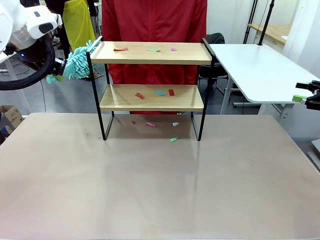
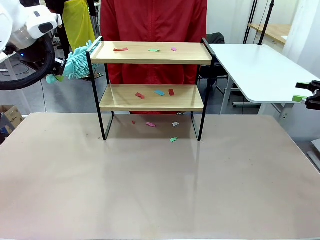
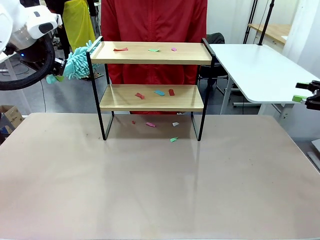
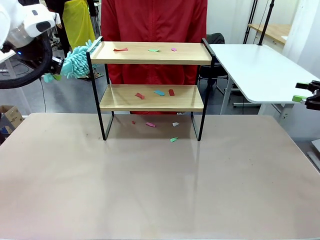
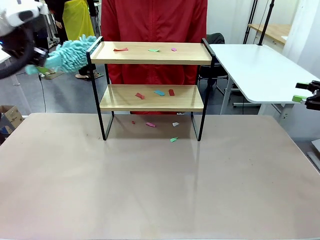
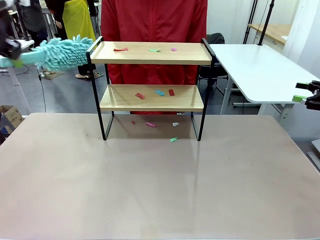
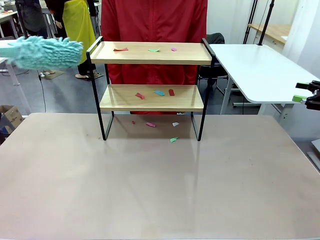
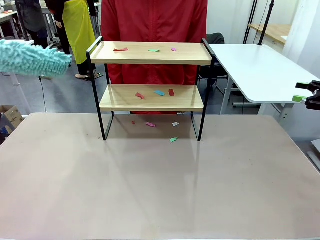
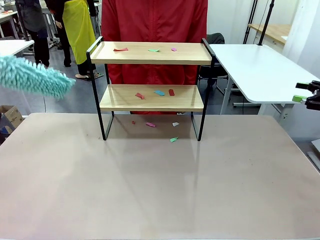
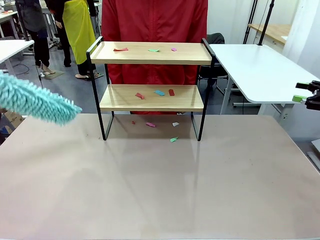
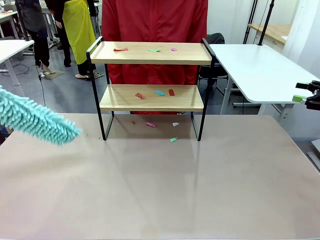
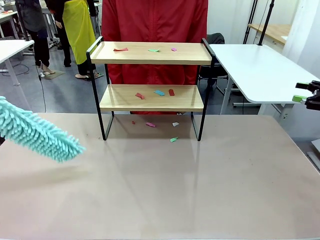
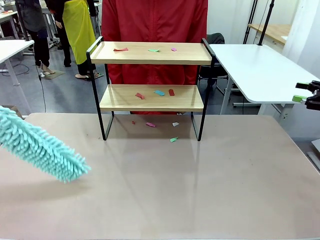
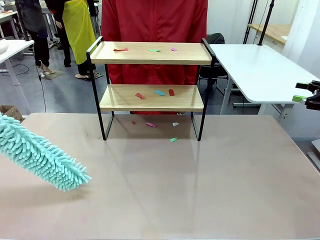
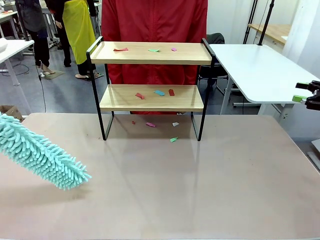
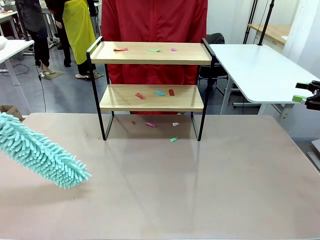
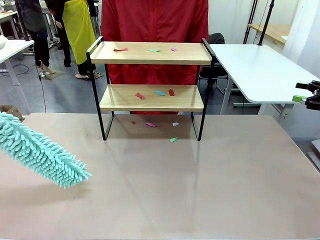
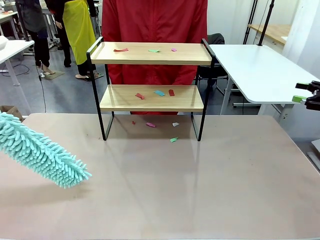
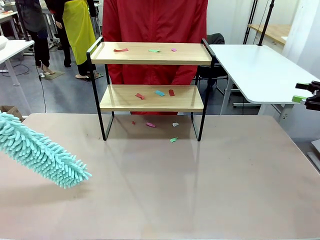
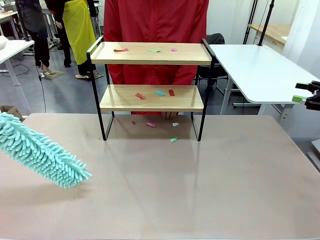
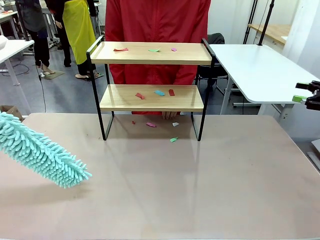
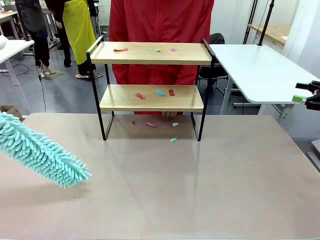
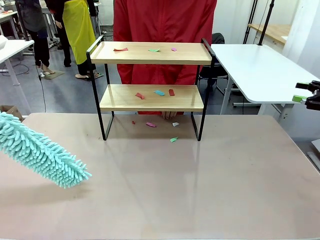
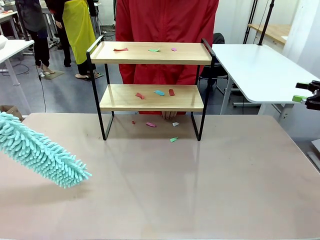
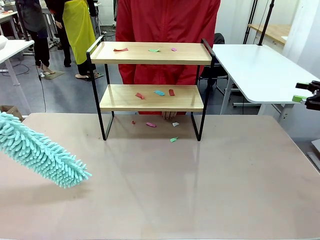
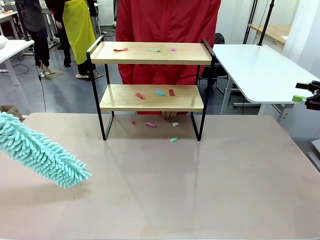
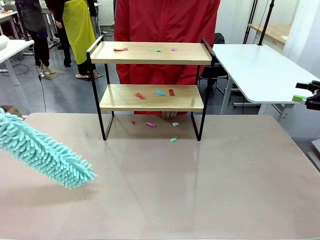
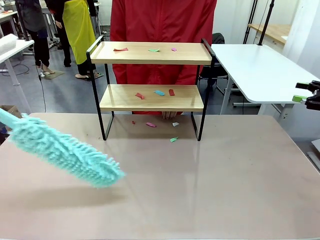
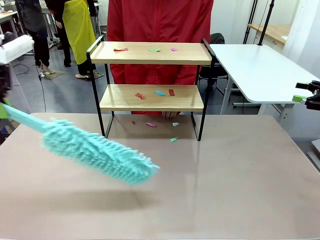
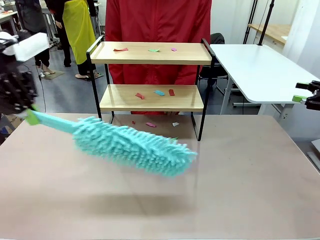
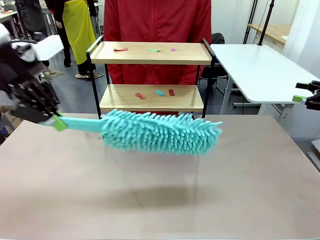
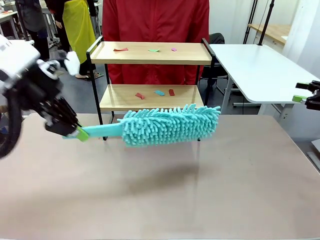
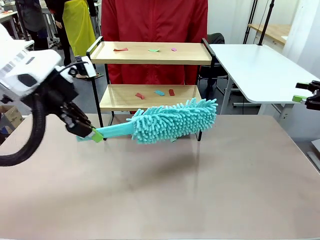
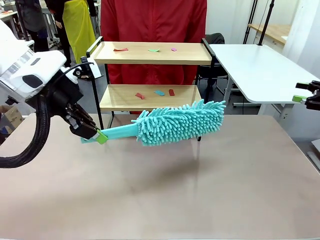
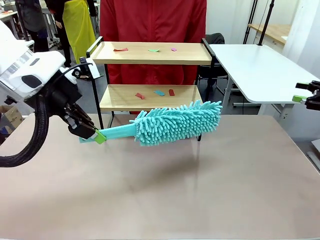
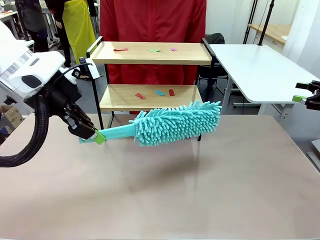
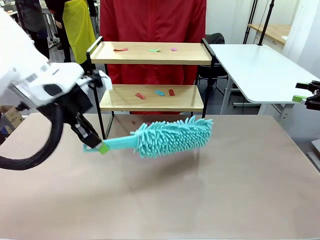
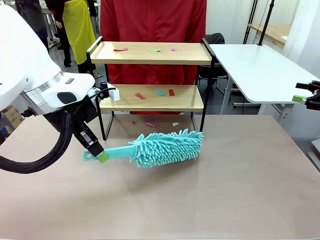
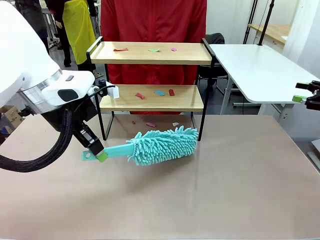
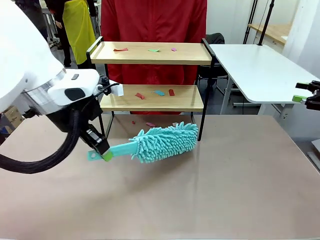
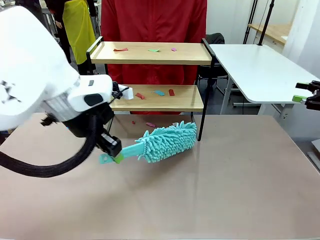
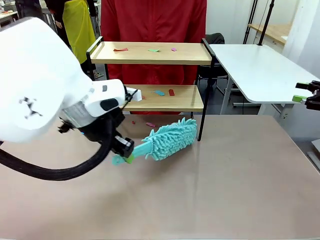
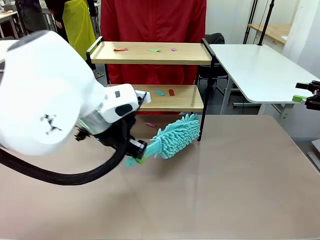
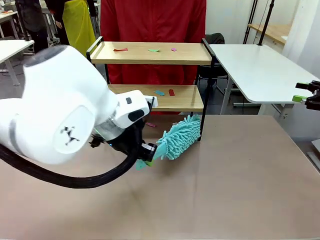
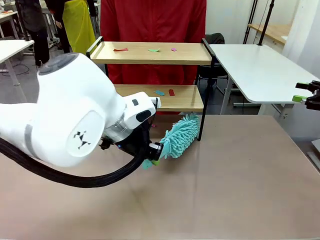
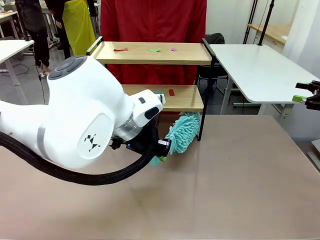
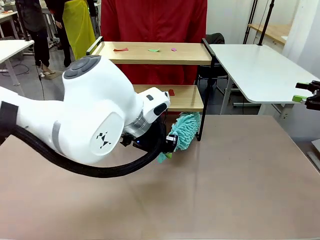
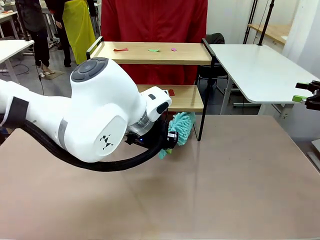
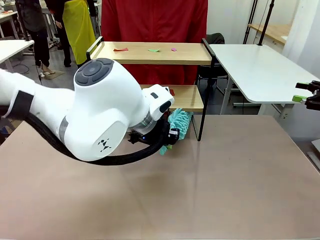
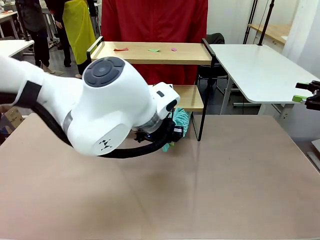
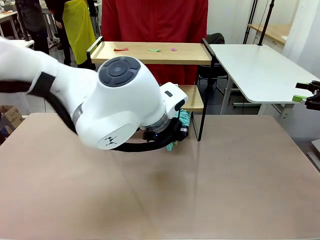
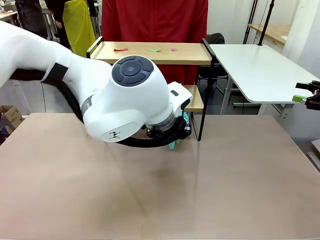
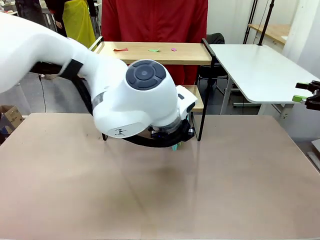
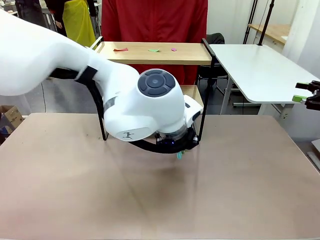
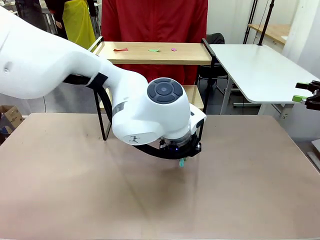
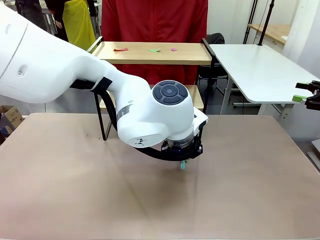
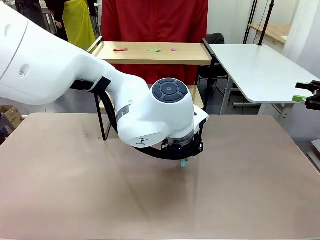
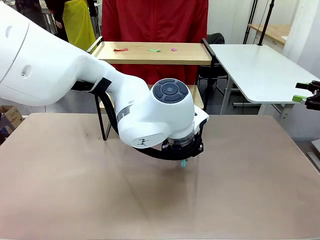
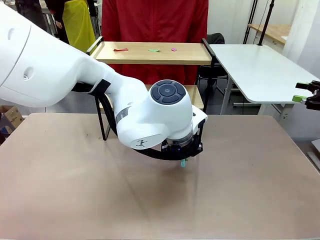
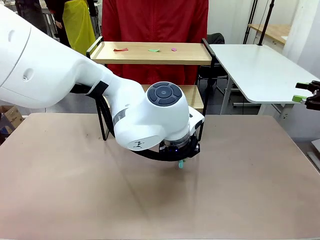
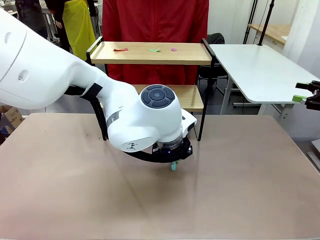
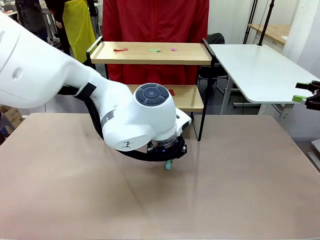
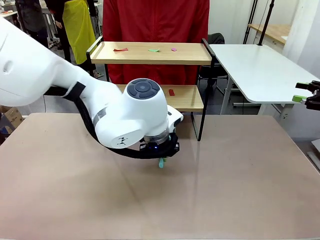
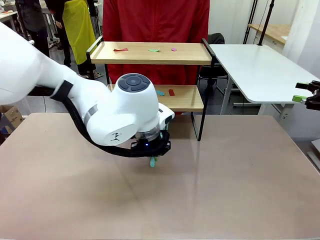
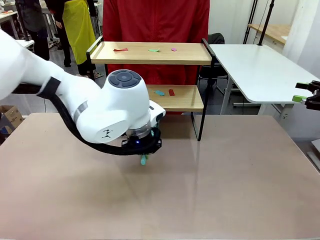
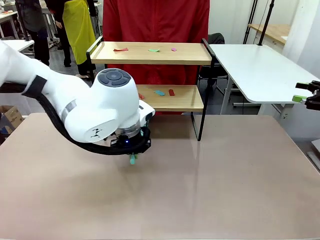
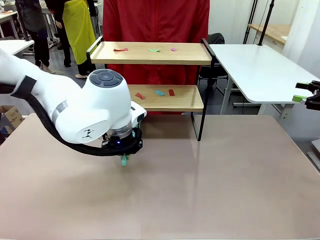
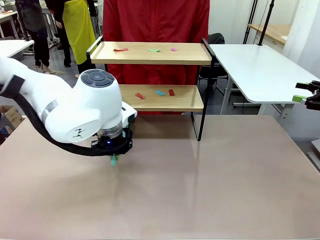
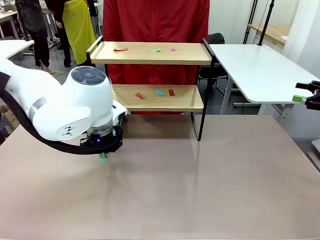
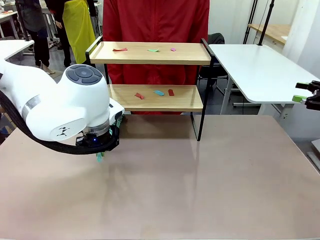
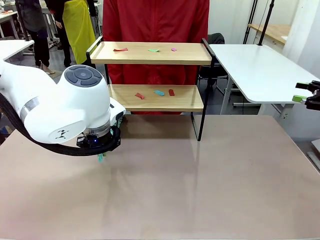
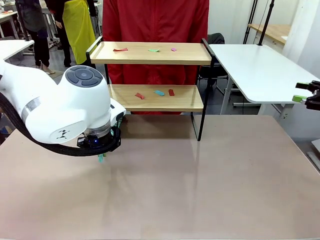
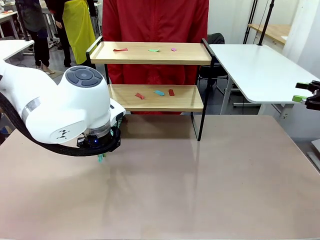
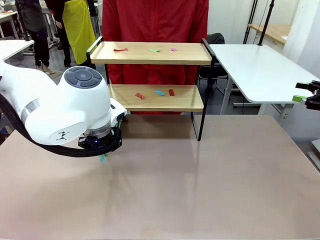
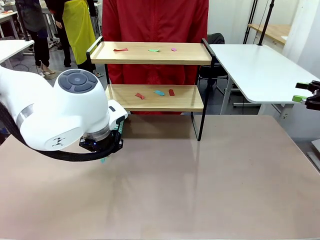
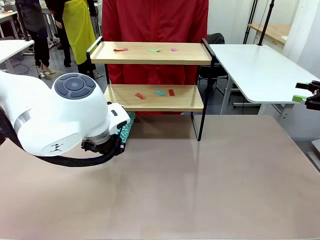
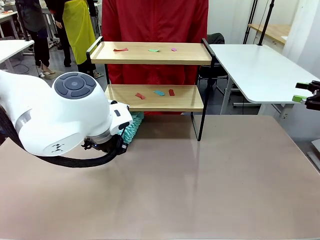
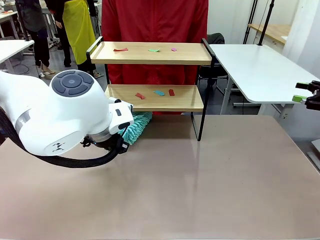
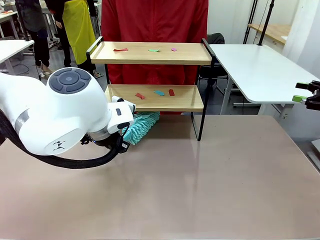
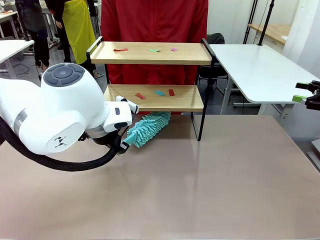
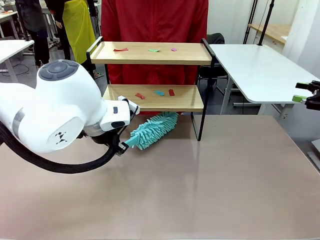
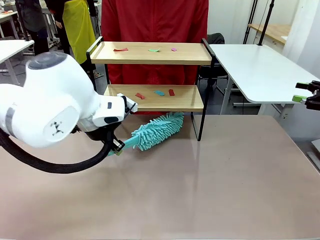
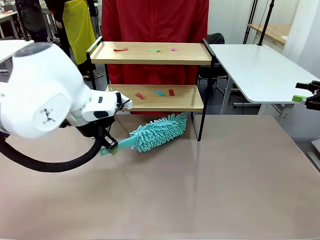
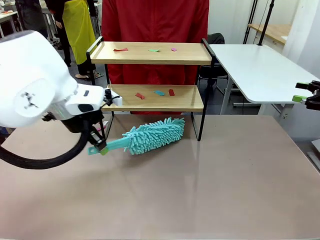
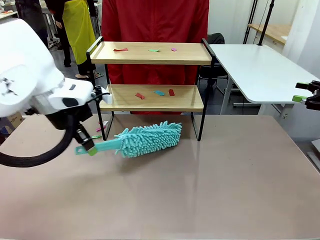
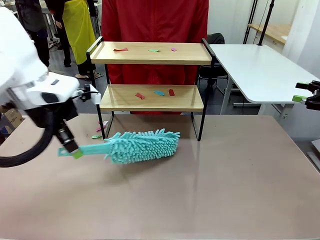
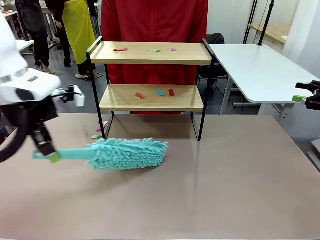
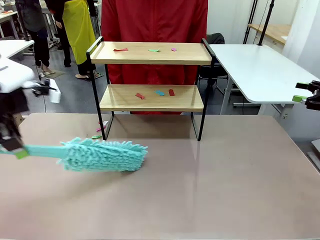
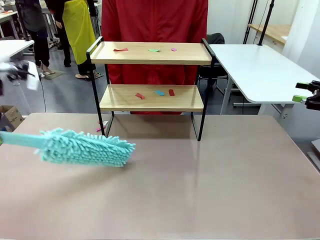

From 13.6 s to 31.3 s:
Task: Clean the shelf.
Robot: Clean the specific section of the Shelf indicated by the human with the Duster.
Person: Point a random section of the Shelf.
